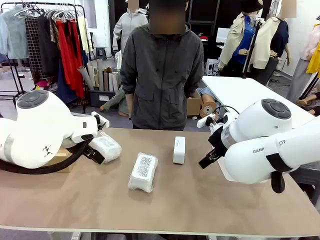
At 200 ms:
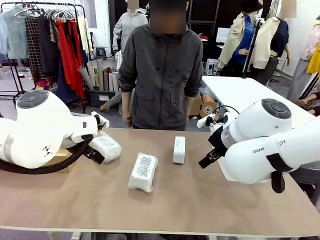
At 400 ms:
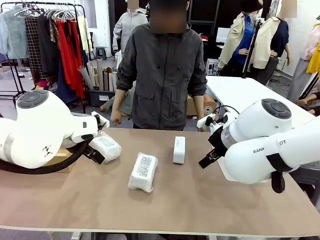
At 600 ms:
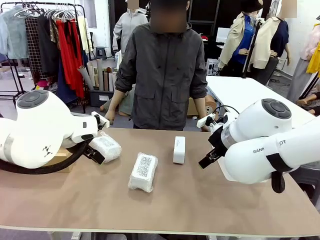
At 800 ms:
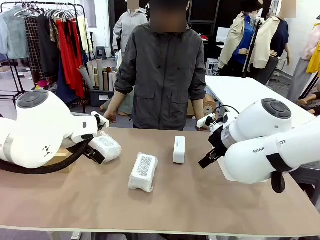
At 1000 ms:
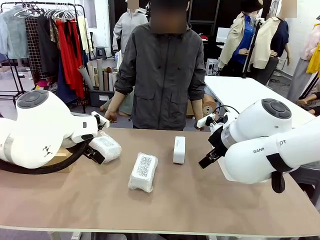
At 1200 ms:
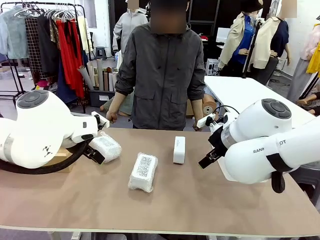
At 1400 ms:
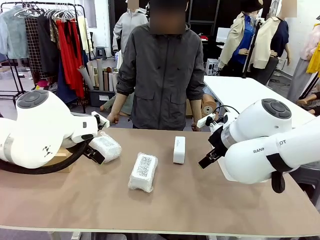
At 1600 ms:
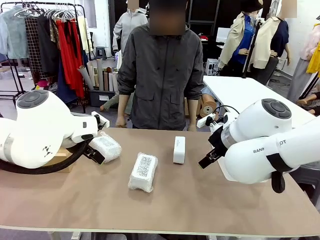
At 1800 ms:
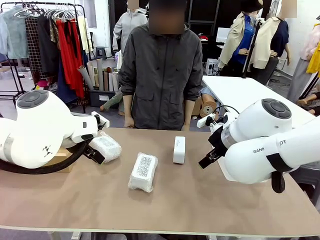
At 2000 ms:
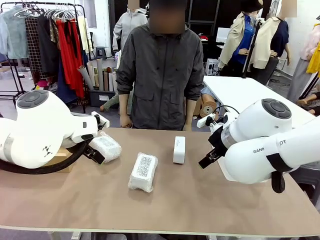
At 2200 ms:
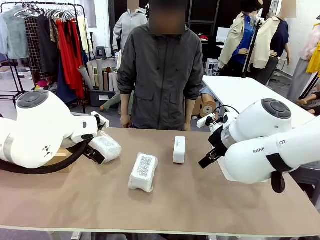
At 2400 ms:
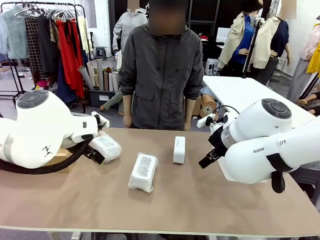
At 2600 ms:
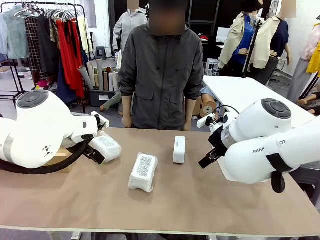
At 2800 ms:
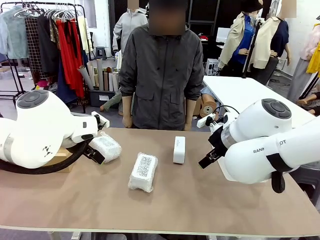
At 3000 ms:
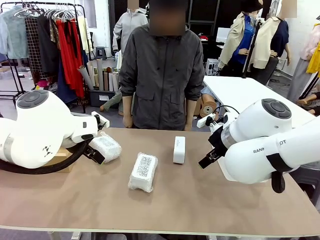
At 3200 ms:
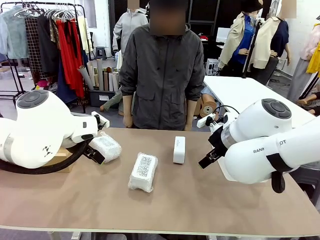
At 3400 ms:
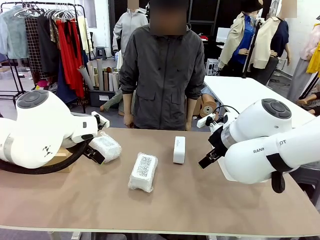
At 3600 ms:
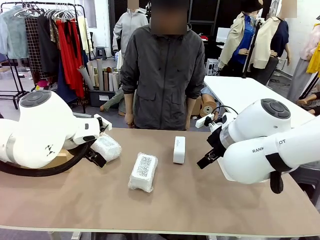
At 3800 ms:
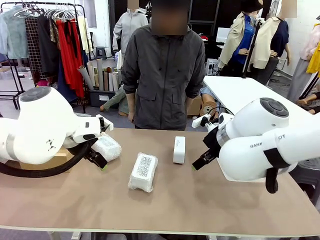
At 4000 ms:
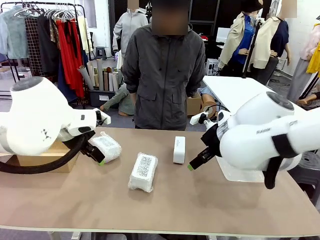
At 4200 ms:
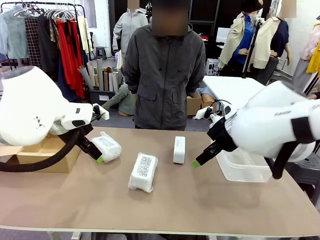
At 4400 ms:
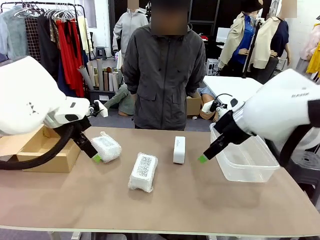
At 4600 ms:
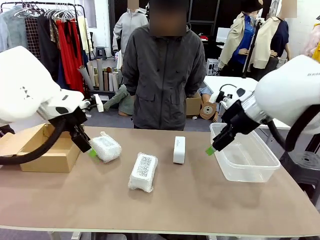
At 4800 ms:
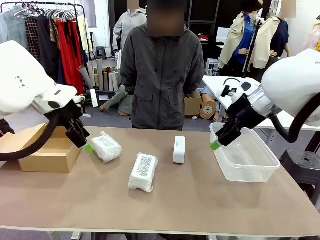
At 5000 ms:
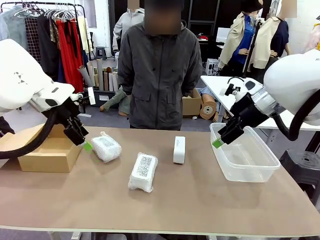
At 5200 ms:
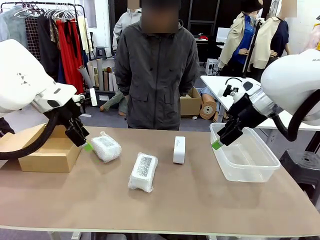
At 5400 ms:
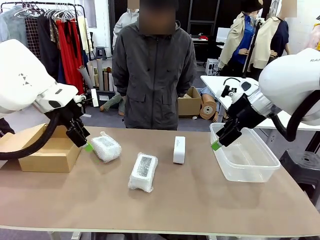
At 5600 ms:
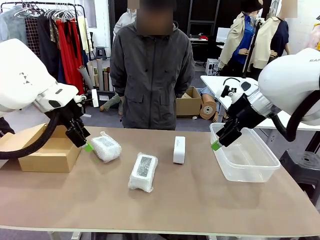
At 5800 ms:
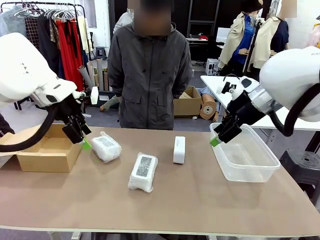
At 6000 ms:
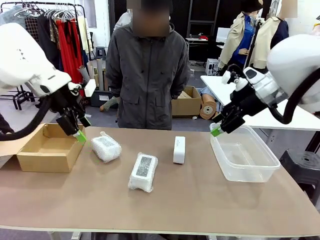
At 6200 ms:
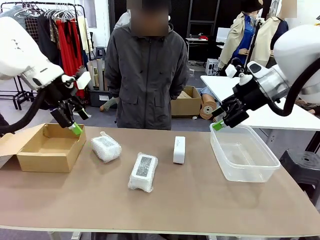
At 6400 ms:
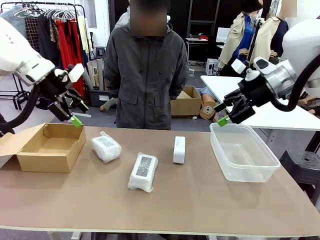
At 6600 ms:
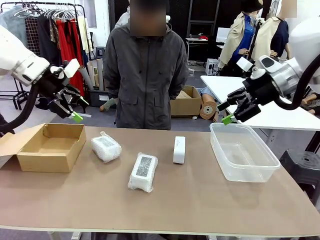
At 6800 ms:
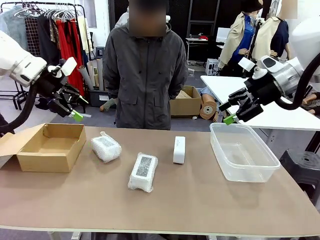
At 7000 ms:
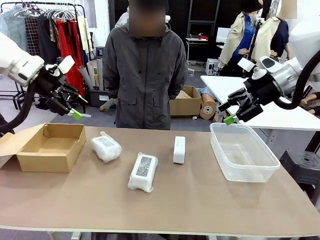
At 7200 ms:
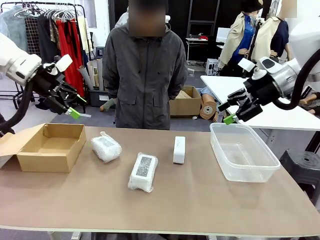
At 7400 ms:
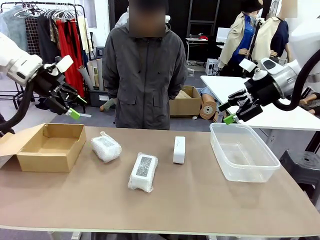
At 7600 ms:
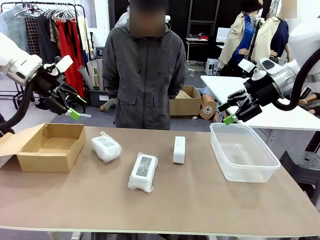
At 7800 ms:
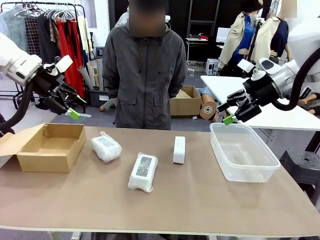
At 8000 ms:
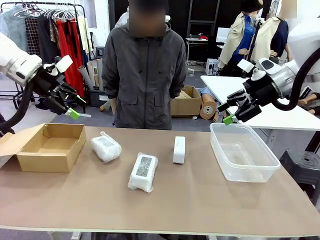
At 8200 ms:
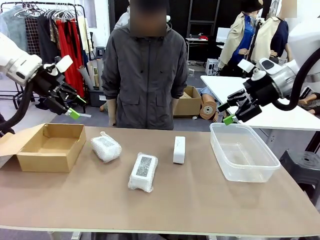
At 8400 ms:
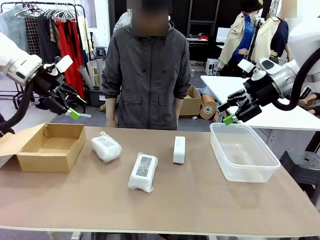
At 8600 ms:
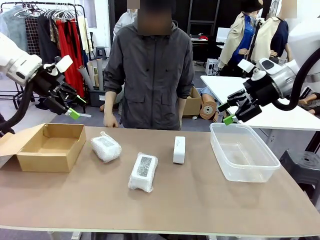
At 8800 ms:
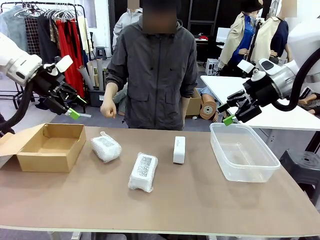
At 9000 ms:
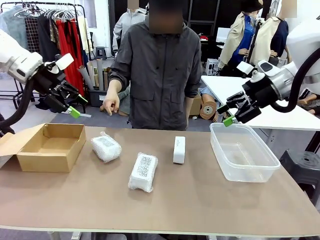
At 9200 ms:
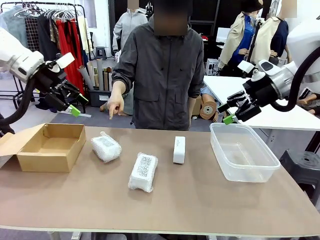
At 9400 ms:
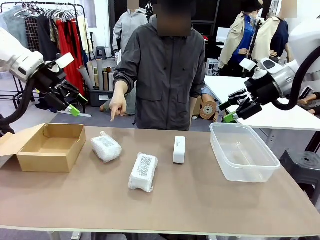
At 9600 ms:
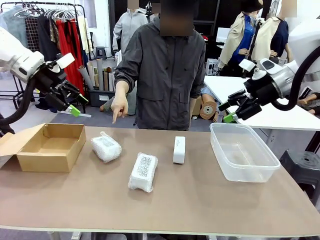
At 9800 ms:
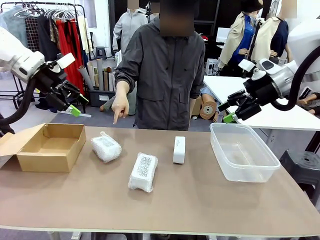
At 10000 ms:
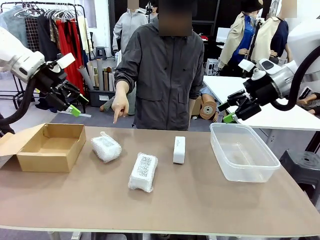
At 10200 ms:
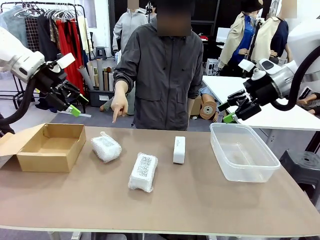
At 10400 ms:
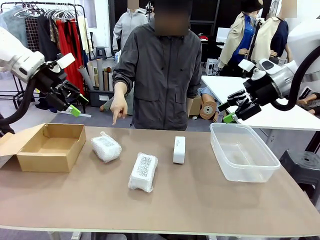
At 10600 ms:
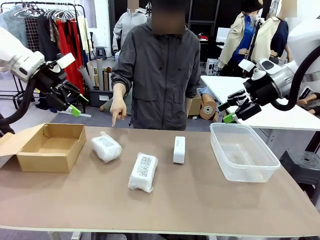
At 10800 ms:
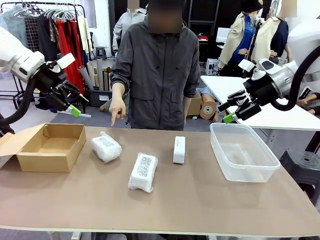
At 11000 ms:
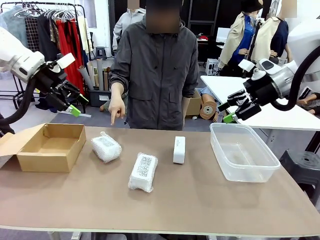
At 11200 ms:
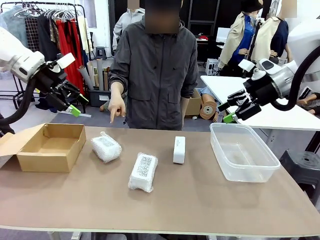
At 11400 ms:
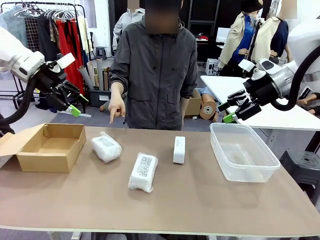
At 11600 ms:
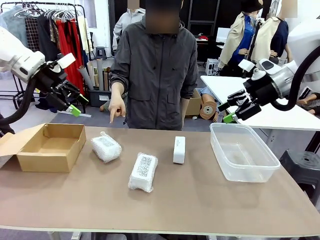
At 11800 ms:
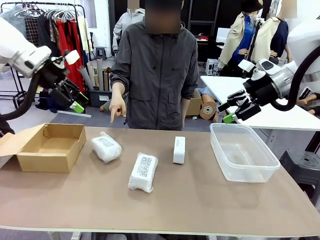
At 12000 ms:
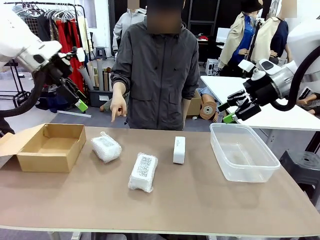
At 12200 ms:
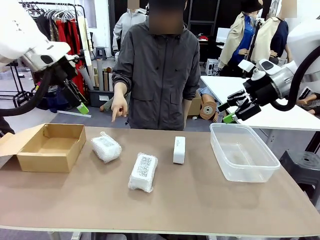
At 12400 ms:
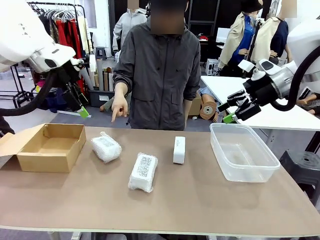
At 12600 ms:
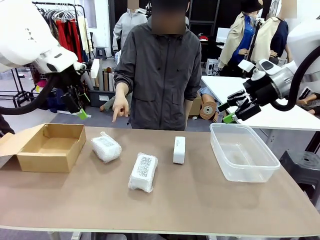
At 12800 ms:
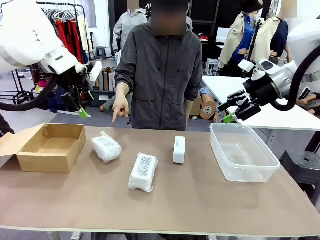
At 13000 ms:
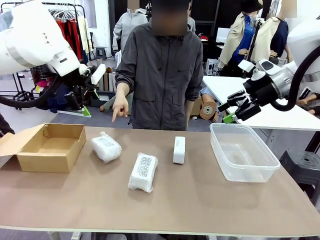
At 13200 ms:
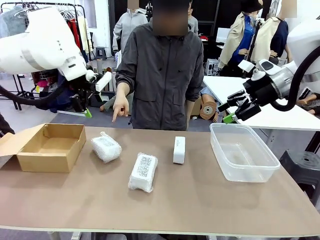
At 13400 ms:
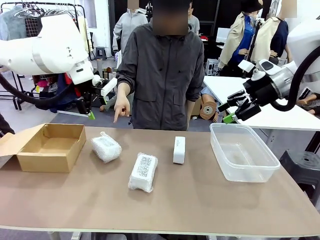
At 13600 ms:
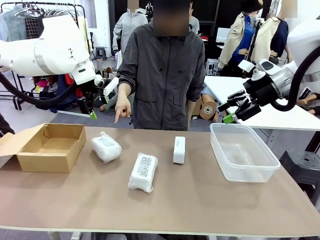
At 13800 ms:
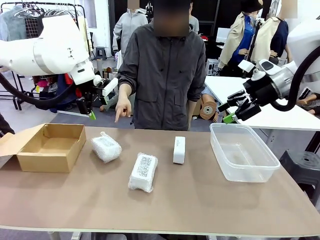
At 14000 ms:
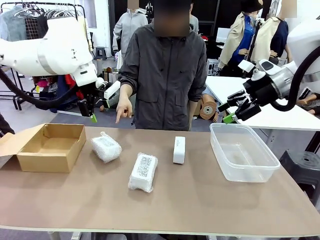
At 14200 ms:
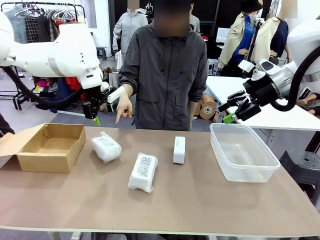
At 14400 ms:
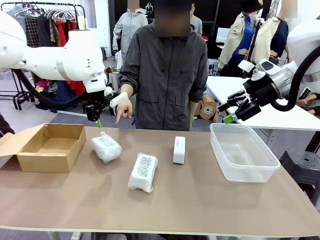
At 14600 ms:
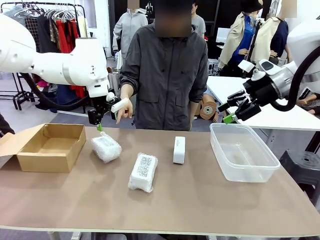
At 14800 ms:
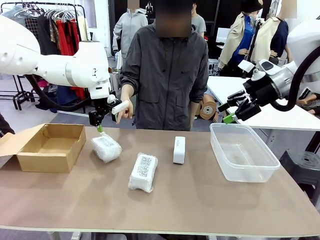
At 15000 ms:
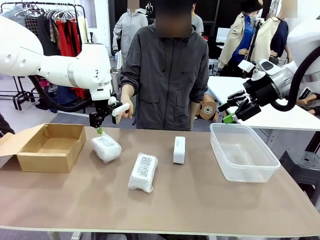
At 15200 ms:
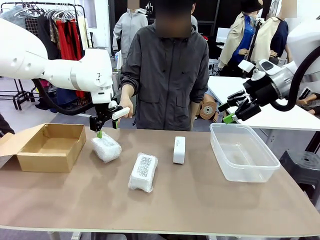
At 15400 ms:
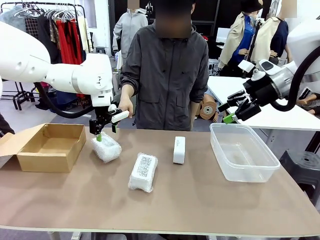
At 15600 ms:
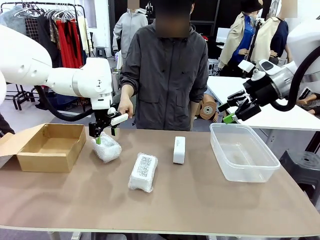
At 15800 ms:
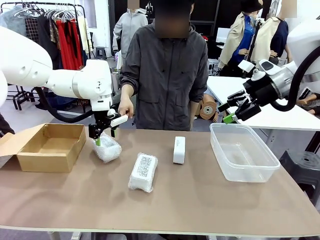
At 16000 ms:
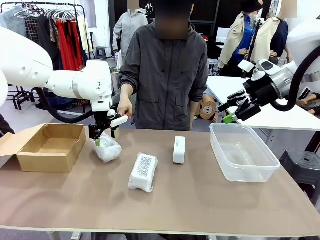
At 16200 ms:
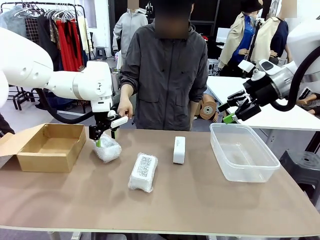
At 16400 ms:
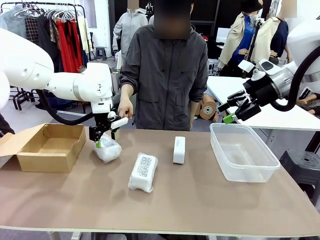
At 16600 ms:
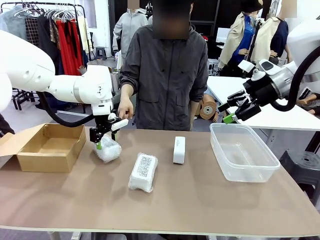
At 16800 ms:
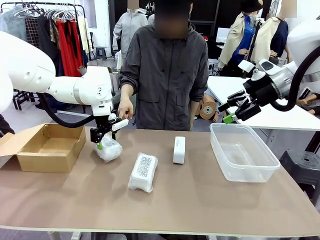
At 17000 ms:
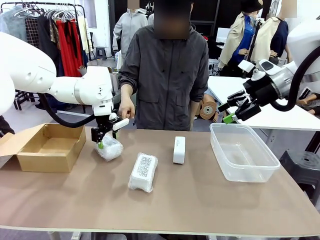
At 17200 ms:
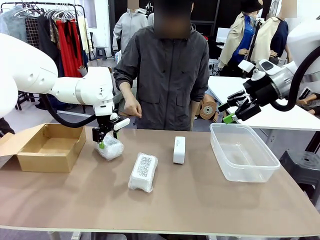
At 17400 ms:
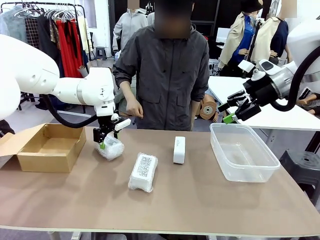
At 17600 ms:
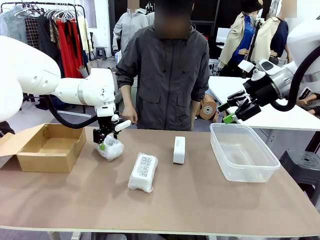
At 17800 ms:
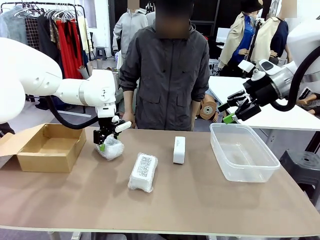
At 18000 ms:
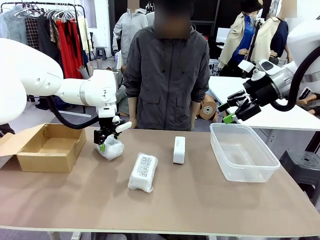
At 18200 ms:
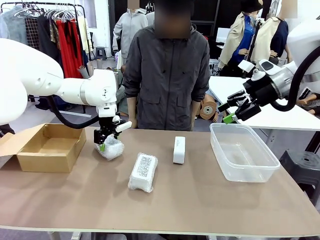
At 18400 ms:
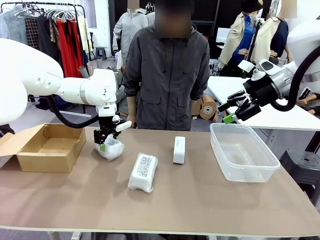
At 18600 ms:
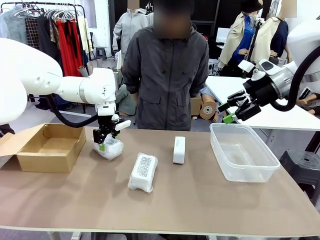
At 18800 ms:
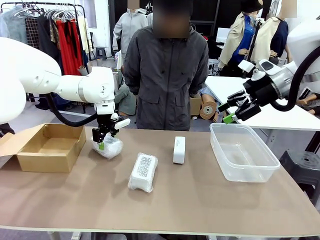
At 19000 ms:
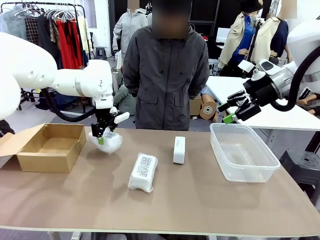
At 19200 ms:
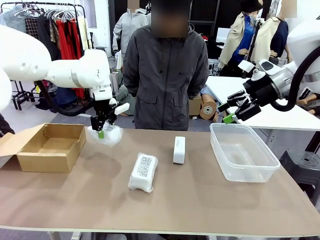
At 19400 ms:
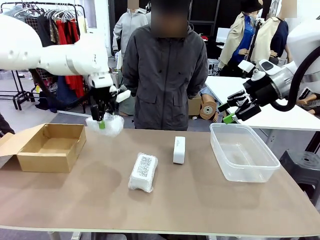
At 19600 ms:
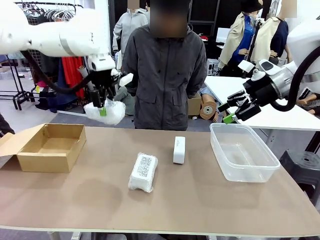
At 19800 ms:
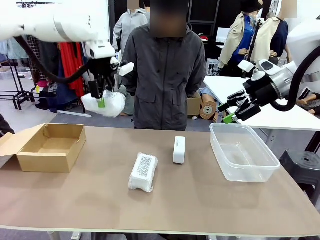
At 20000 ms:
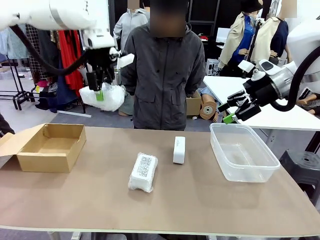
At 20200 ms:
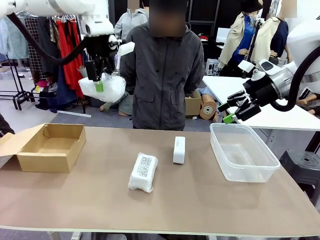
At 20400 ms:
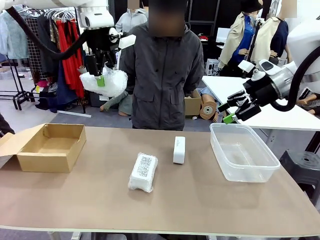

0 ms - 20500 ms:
Task: Separate and place wrapped and unwrapped clocks.
Robot: Pick up the Digital clock indicated by the person.
